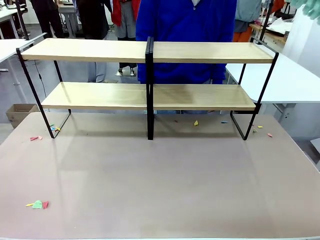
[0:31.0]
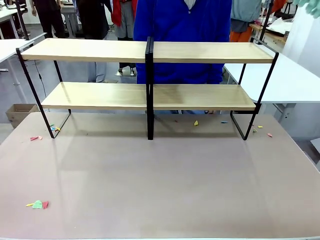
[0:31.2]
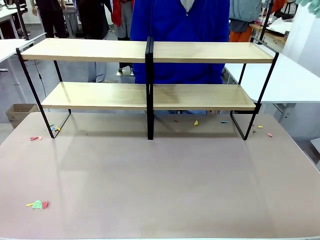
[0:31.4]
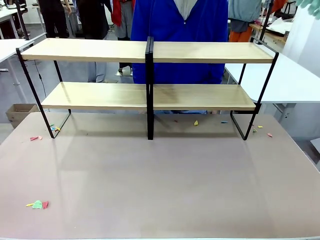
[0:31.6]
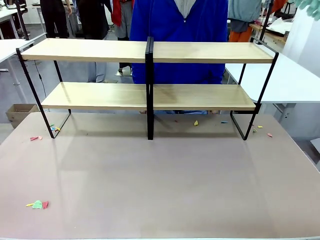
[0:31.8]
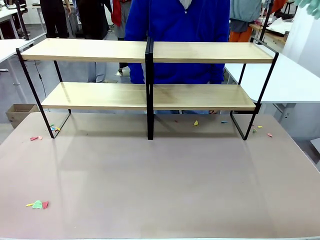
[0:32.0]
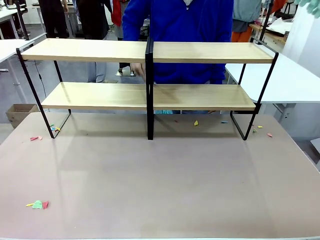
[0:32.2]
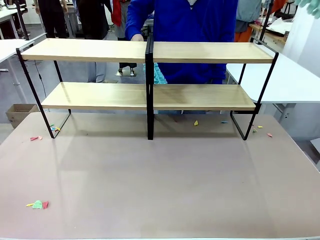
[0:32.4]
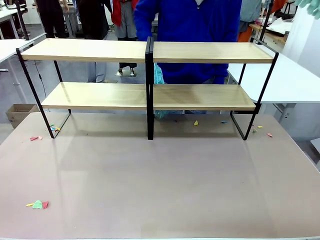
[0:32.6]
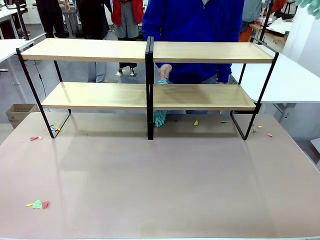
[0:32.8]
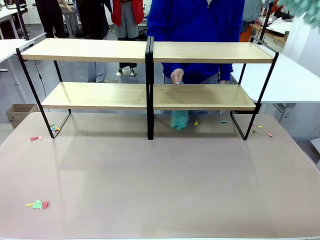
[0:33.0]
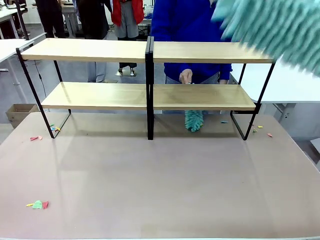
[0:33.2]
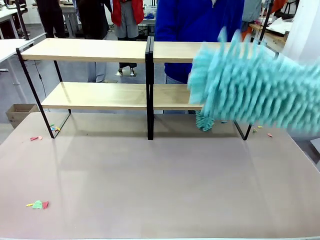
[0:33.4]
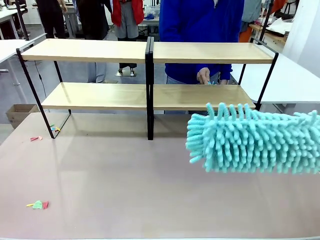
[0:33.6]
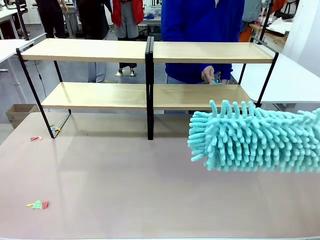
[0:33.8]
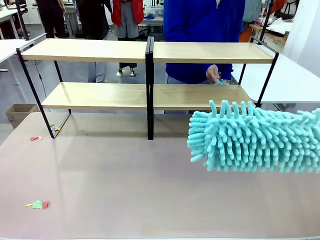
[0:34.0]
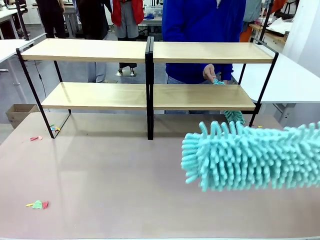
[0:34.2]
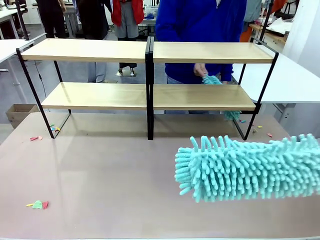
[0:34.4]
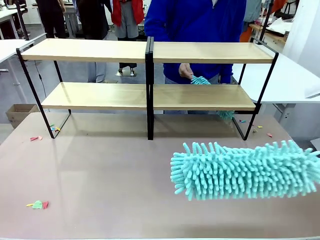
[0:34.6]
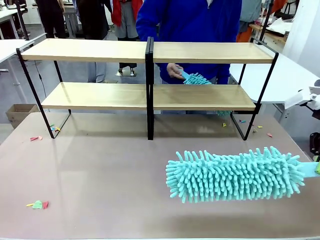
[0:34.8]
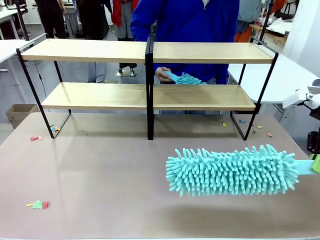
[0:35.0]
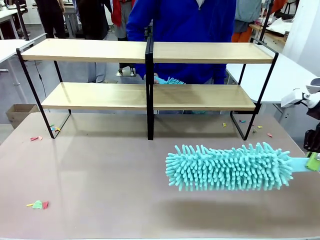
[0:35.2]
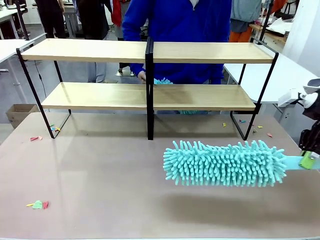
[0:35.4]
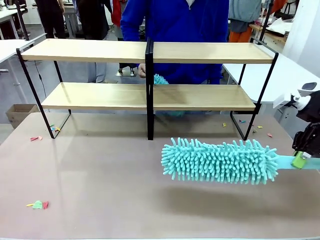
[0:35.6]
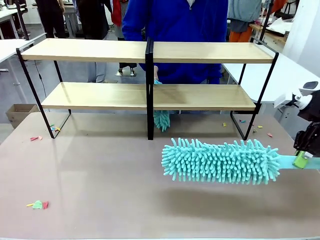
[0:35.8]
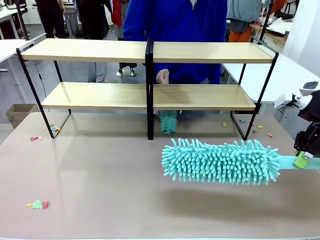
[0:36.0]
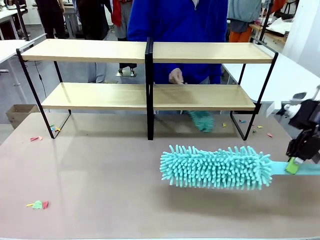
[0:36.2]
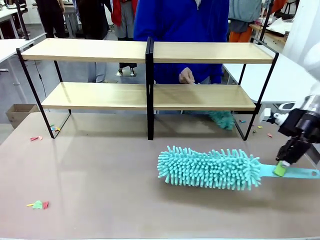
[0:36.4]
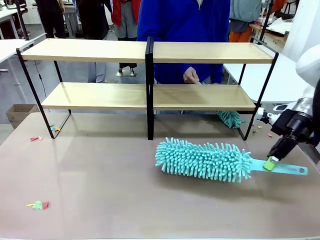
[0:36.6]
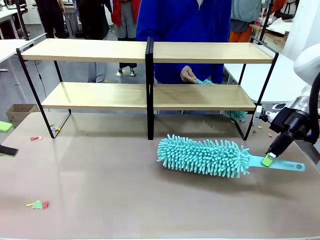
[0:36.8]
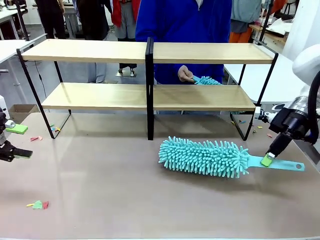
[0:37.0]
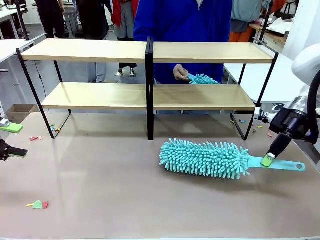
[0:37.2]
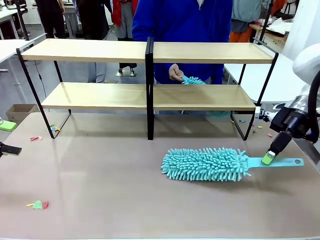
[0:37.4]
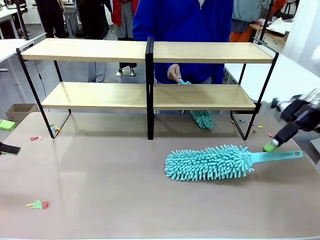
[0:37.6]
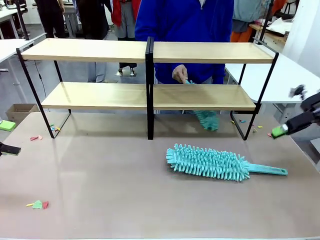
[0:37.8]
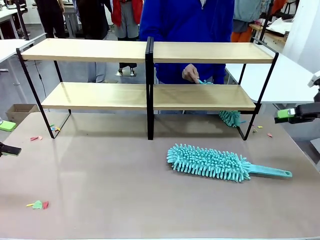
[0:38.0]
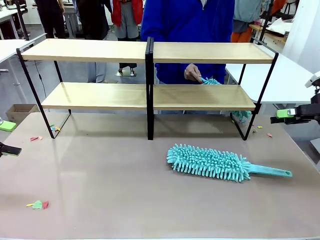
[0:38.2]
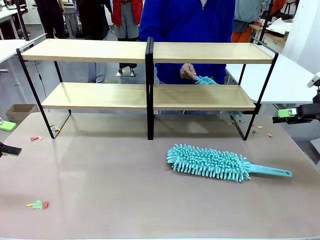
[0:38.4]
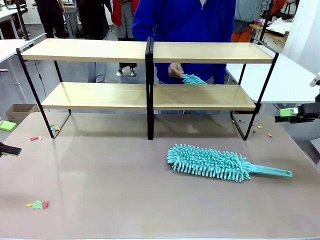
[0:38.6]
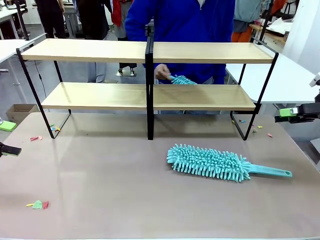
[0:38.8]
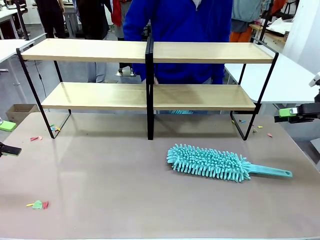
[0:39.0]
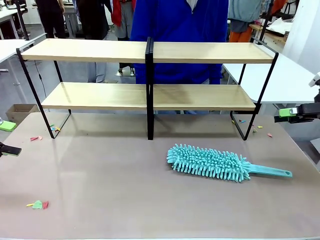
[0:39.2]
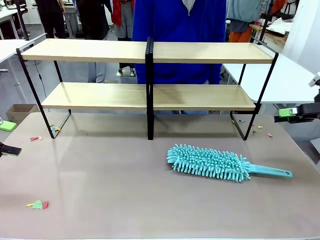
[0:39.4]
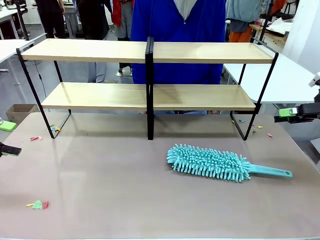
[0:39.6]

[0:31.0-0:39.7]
Task: Clean the shelves.
Robot: Place the Duster on the table.

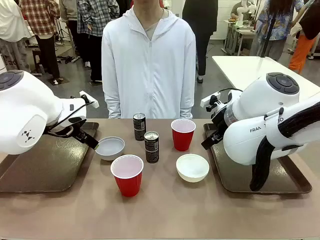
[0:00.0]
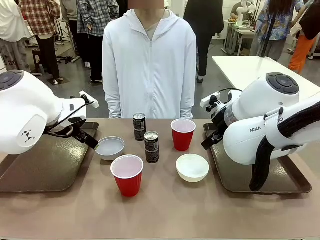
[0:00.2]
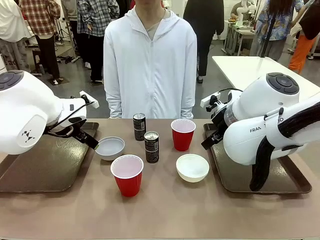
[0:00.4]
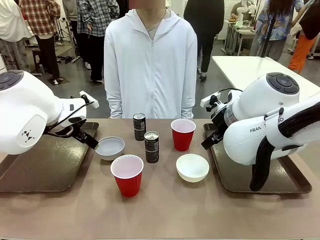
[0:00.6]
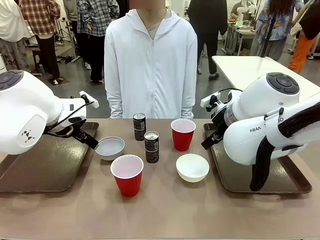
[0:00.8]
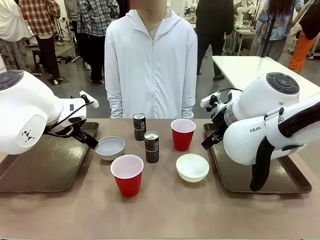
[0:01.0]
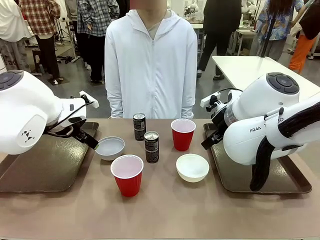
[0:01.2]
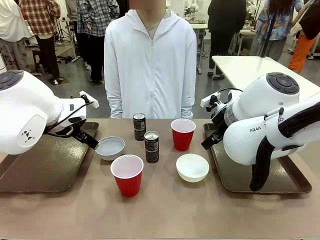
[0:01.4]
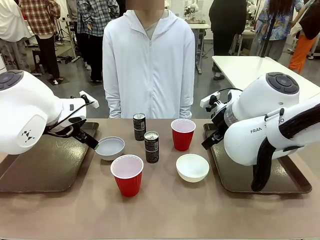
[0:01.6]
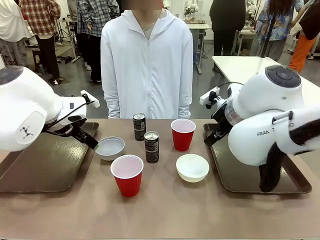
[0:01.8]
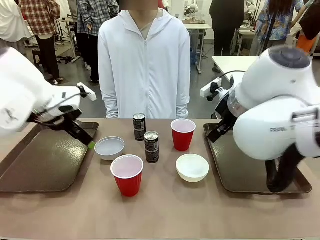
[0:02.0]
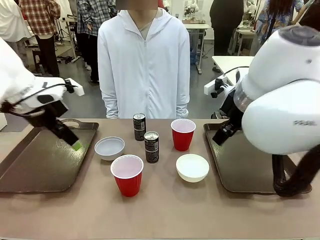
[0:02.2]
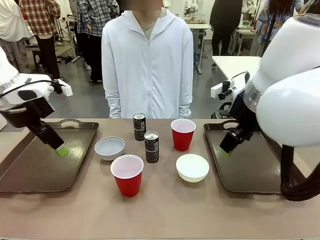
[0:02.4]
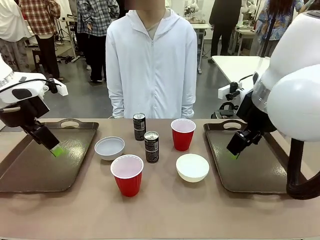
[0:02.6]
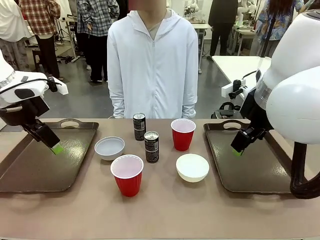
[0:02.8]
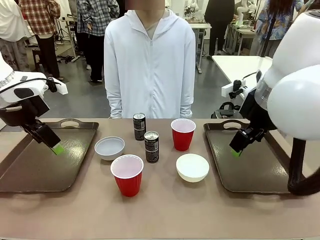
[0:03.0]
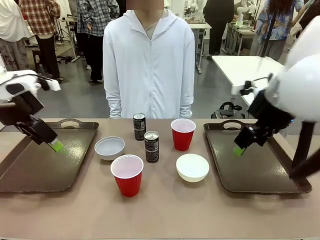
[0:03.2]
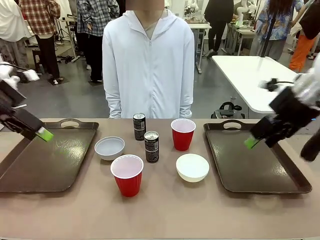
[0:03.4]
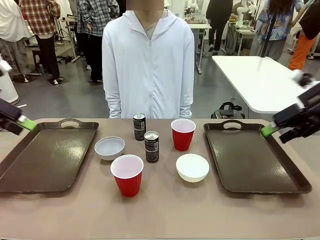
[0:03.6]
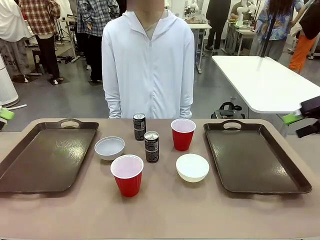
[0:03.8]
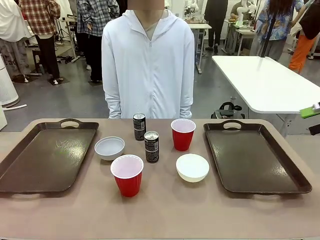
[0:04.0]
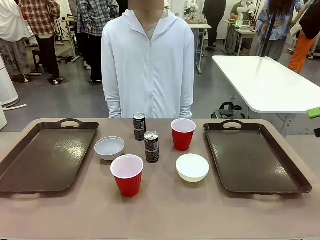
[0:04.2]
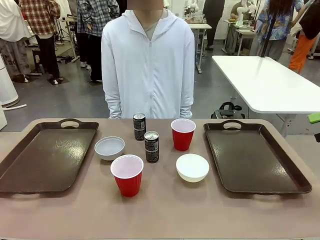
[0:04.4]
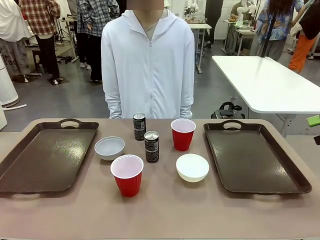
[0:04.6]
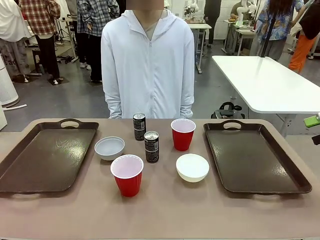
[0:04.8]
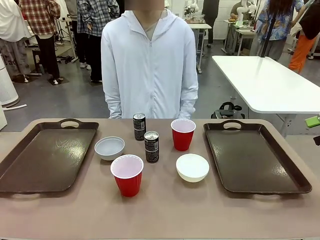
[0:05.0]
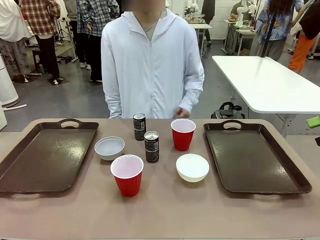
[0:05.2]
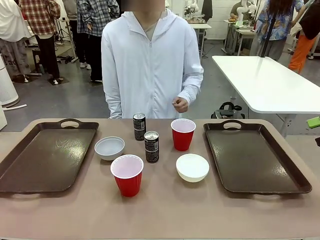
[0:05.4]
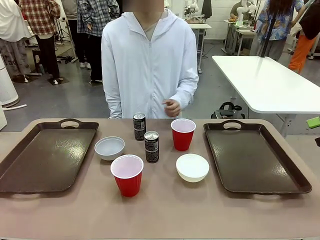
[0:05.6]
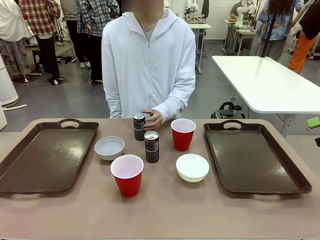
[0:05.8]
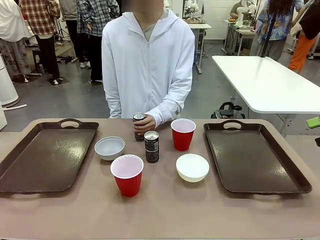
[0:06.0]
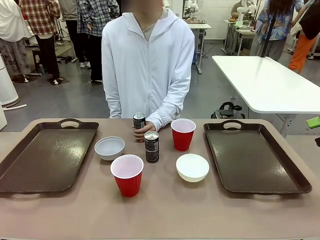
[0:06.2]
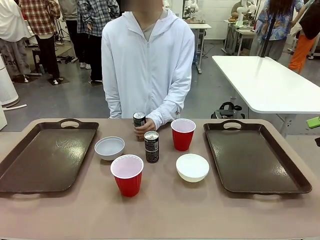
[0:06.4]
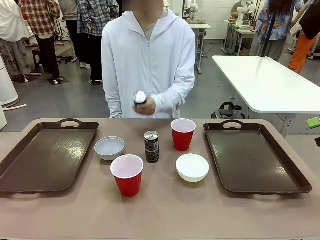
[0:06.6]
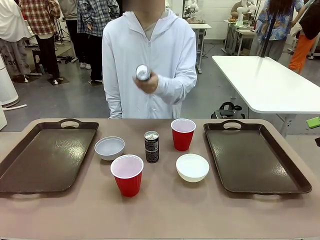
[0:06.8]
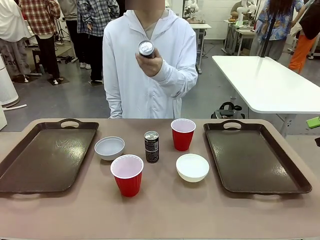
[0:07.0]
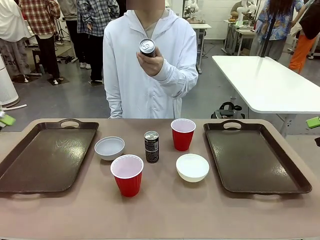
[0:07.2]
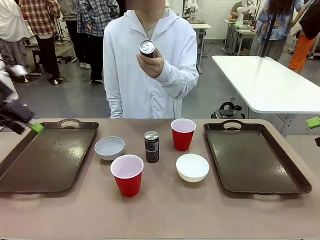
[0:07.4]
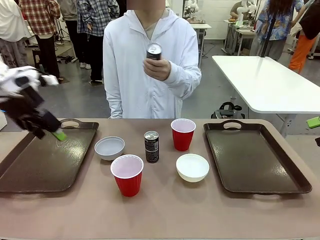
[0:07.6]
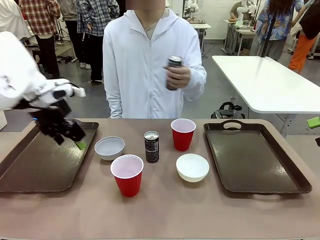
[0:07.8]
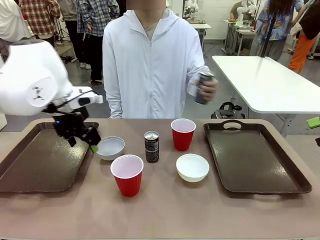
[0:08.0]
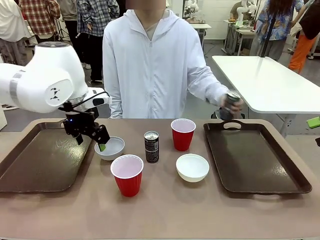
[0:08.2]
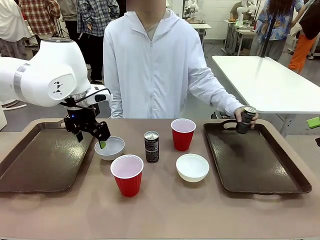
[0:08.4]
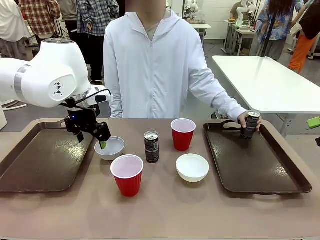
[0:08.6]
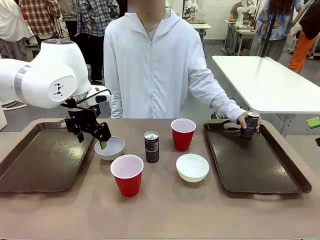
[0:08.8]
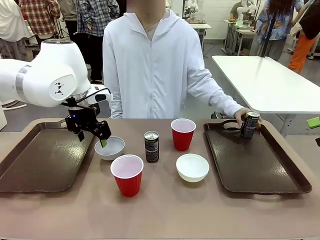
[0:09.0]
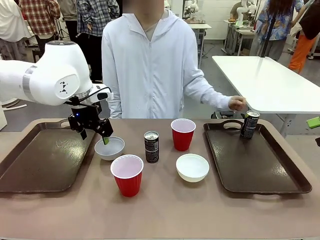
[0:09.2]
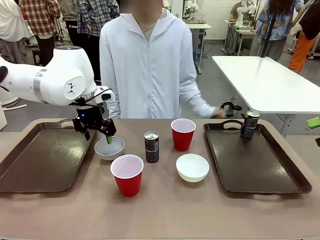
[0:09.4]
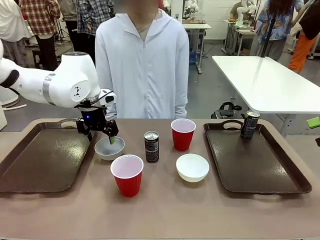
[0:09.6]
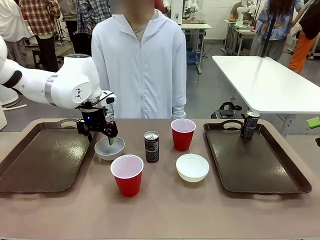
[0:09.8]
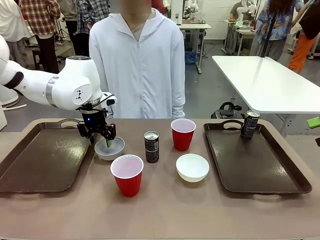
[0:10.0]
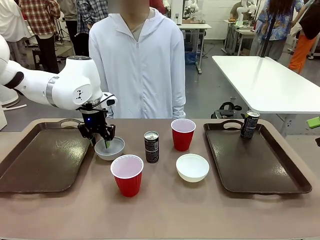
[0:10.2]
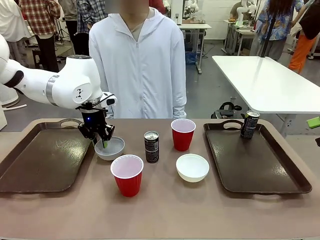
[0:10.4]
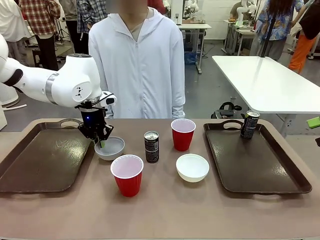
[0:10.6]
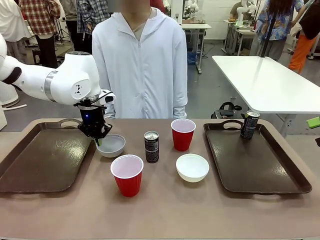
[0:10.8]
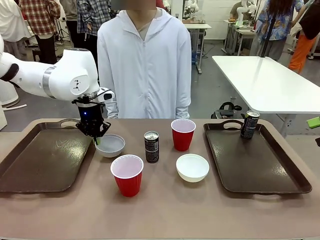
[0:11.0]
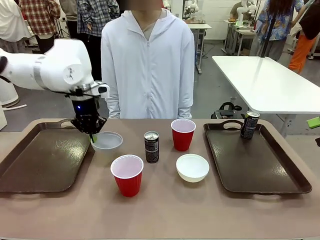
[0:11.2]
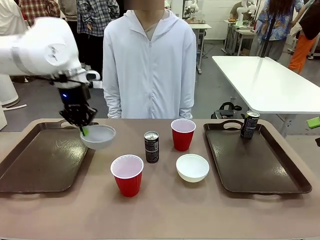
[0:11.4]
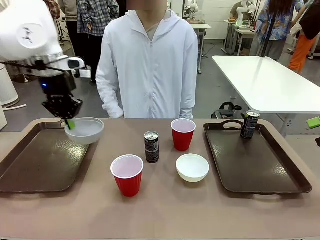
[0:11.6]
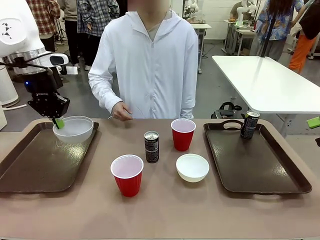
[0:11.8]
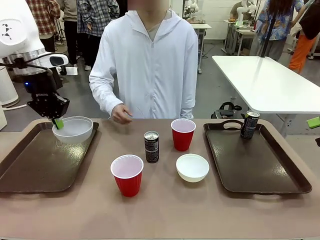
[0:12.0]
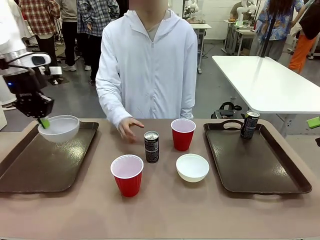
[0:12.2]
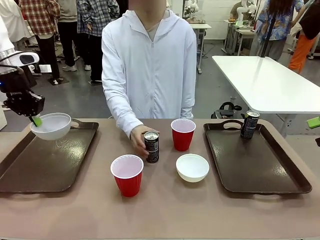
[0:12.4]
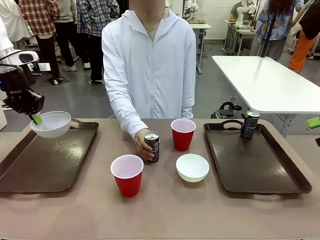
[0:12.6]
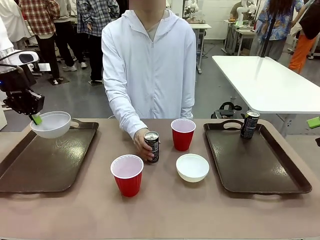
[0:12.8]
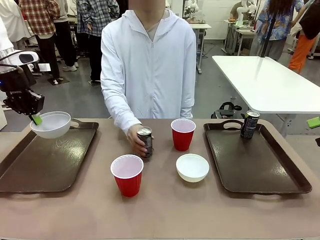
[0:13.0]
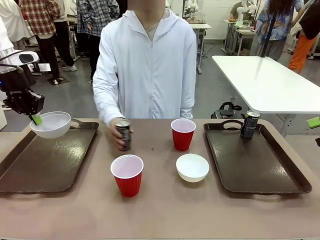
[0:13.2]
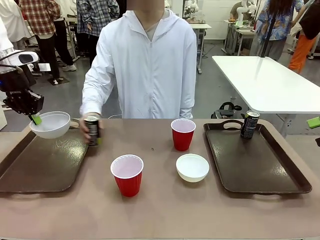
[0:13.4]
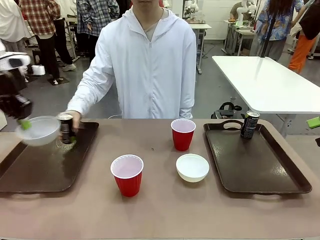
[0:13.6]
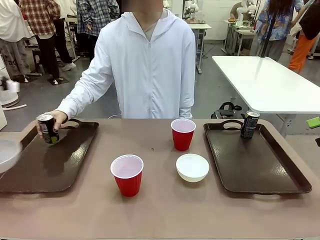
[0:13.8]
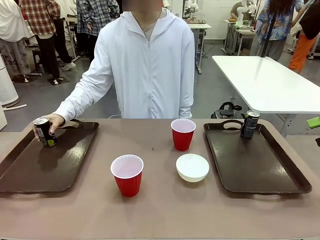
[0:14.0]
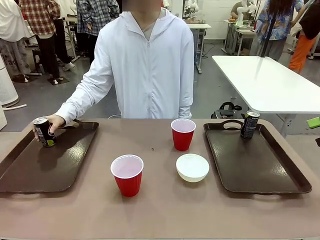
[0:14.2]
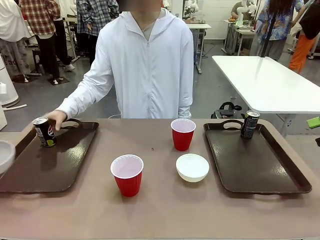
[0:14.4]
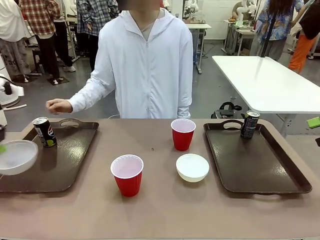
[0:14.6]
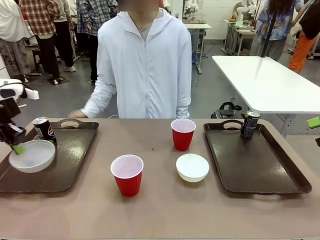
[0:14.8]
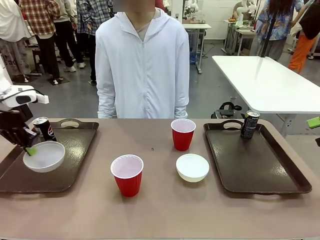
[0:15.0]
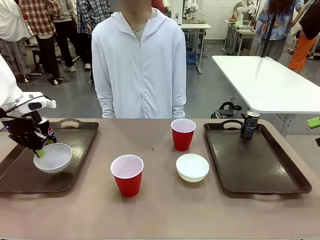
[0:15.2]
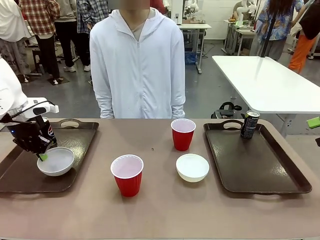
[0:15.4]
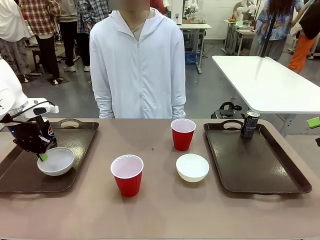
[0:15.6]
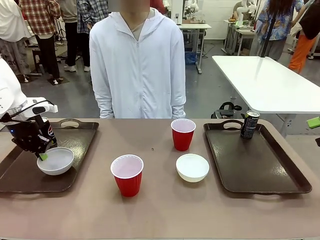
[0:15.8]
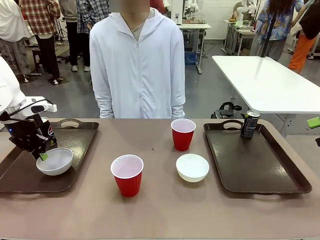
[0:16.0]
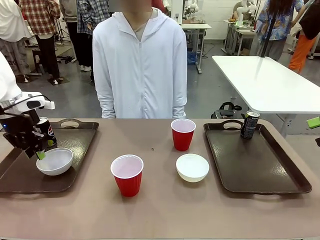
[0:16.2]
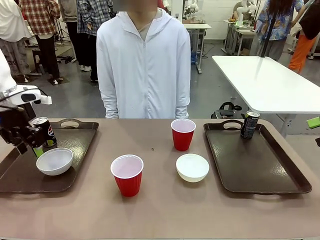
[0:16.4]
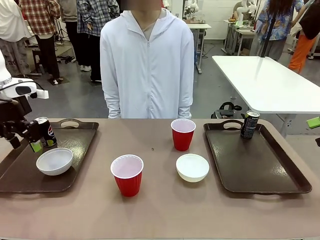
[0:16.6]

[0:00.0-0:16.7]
Task: Prepare tableware on both trays.
Robot: Pick up a Picnic Bowl from the table and place it on a Handle tray.
Person: Pick up a can or cup and place it on the tray.
